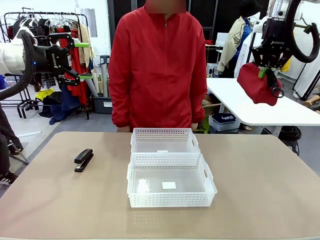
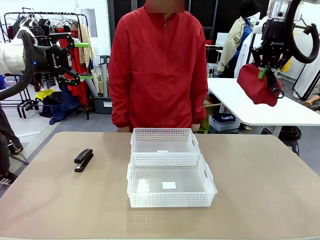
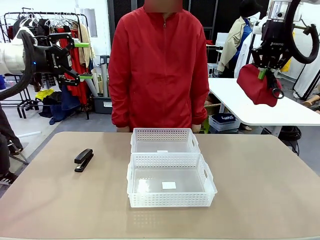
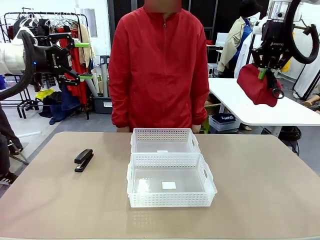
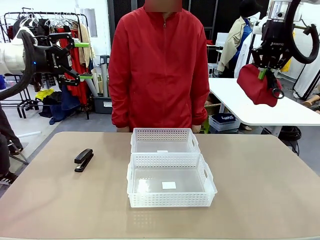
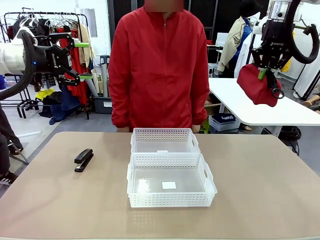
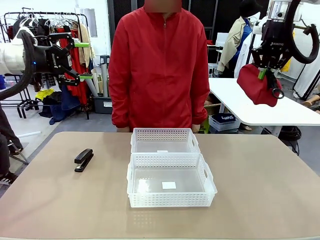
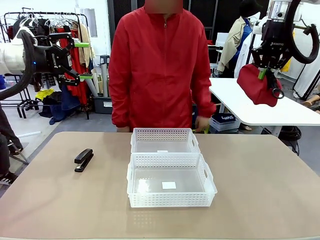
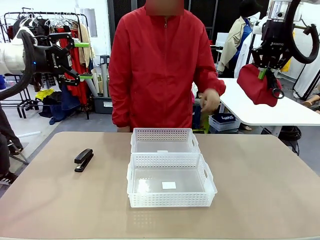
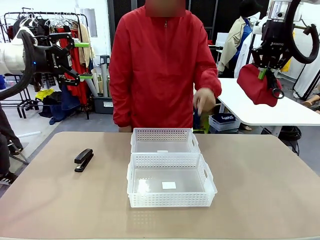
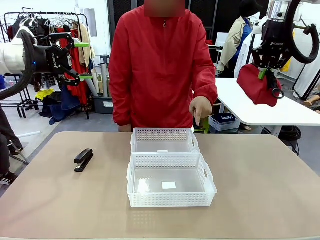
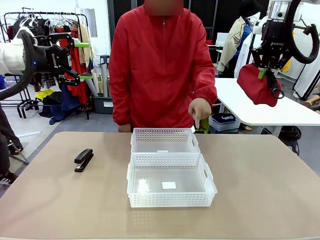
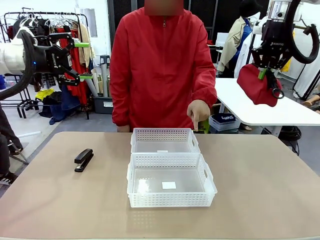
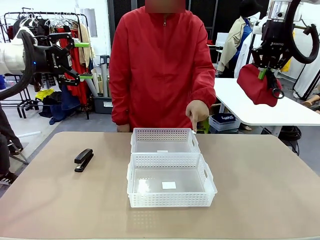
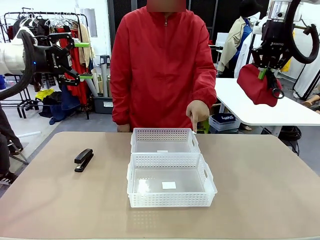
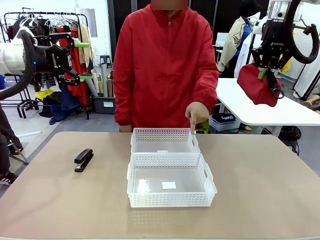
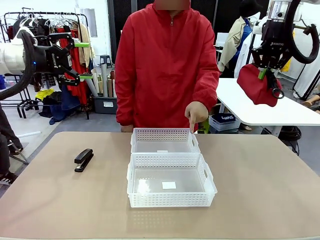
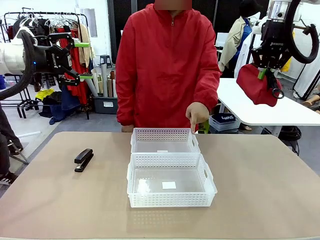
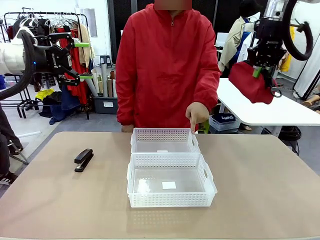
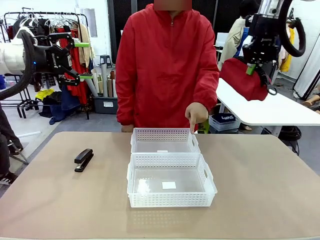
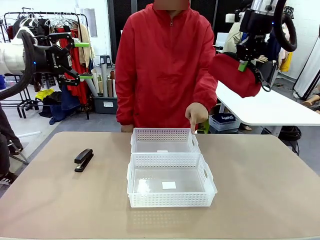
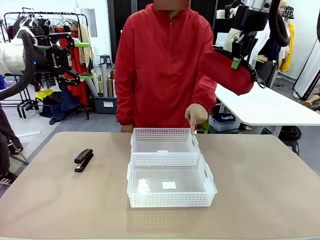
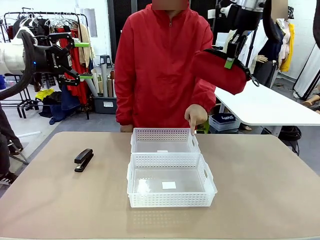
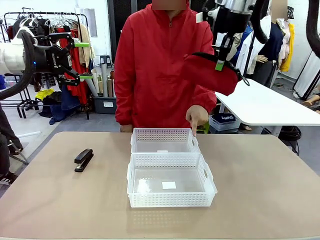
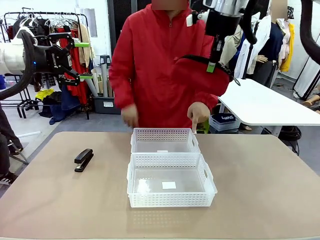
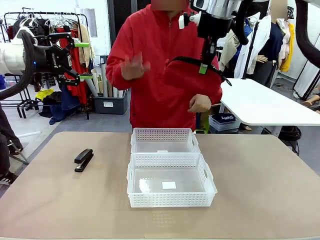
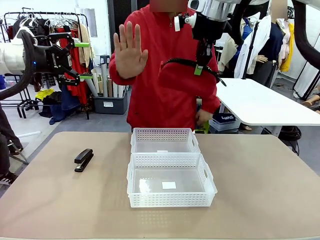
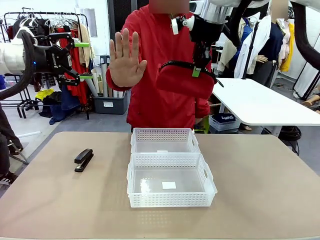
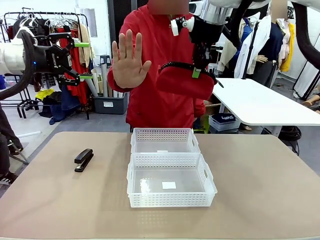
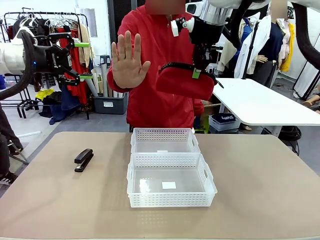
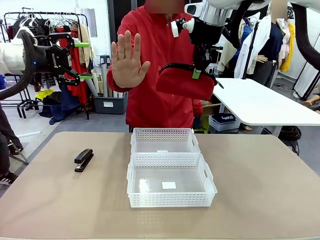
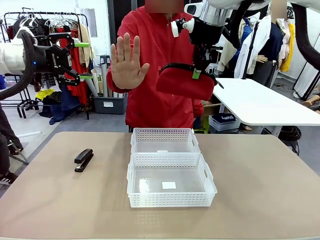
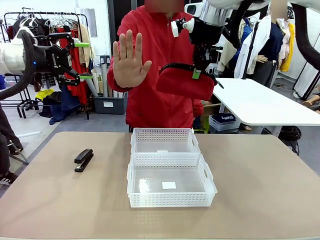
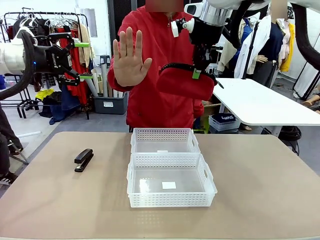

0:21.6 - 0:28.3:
Task: Distribute items into two baskets.
Robot: Move the picked Pencil pouch towards the Organizing basket indicated by the person, stopping as directed.
Person: Sends a stop gesture before the robot places the pencil case into the basket.

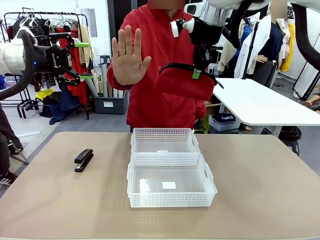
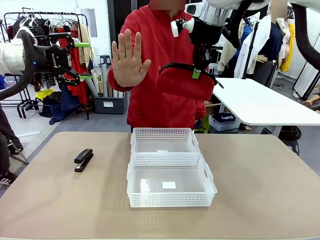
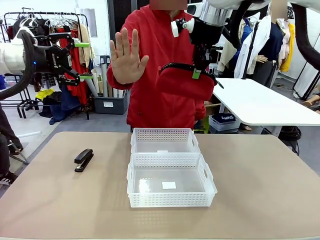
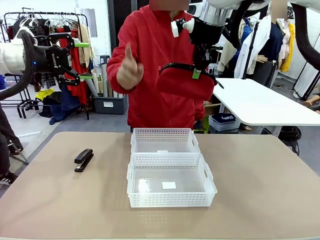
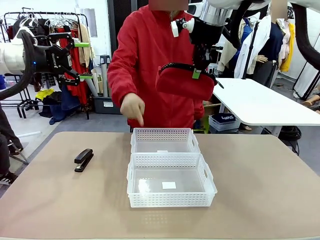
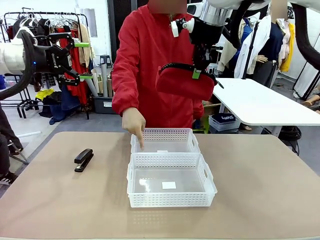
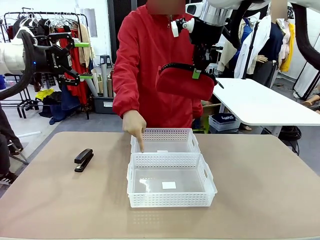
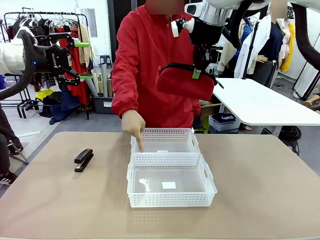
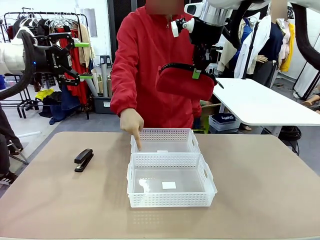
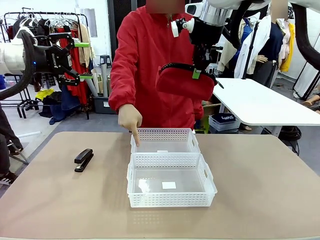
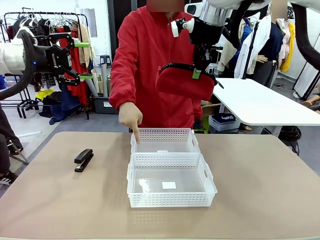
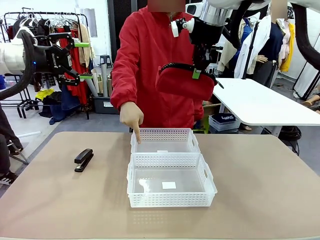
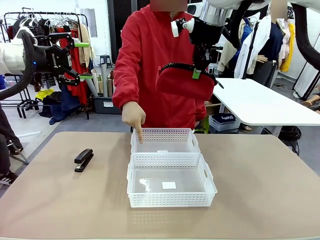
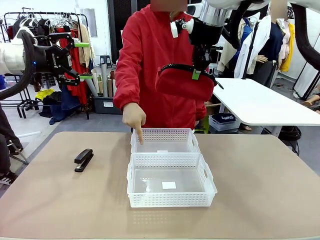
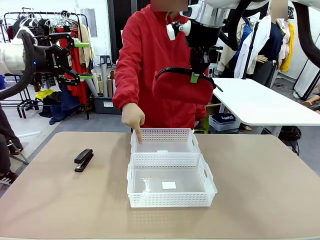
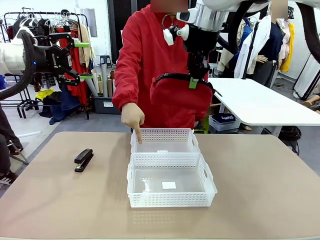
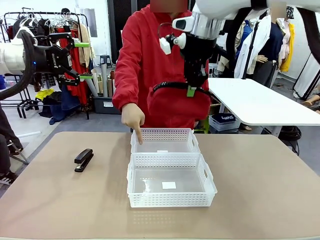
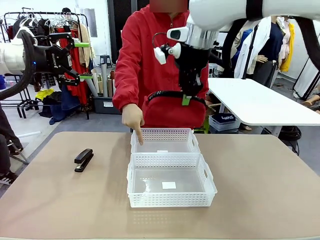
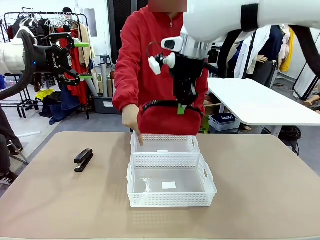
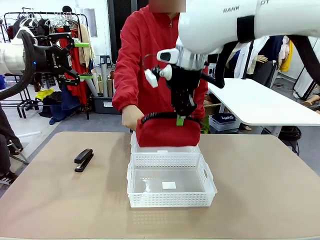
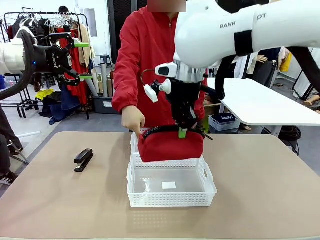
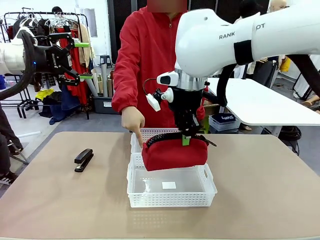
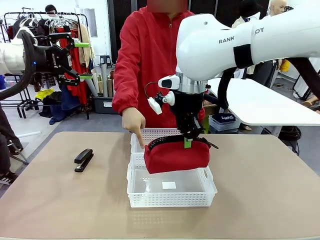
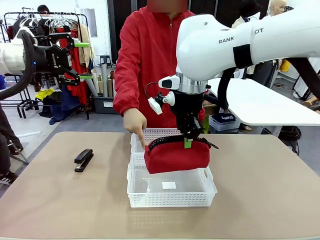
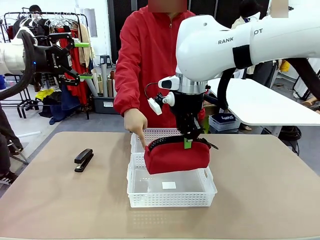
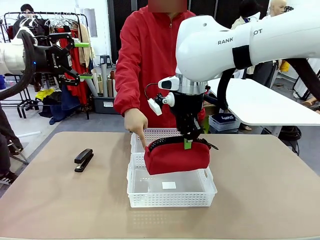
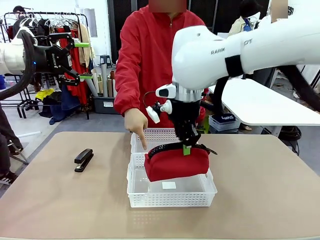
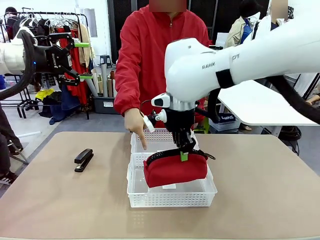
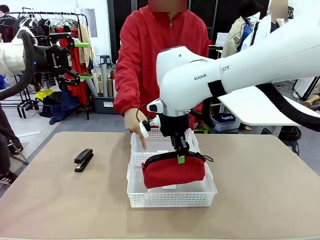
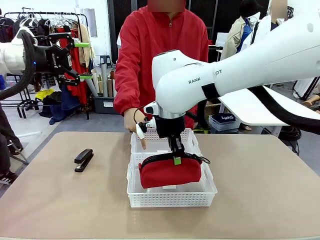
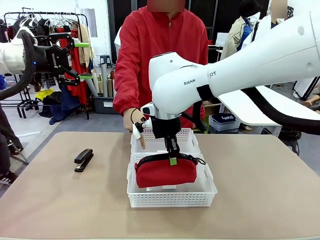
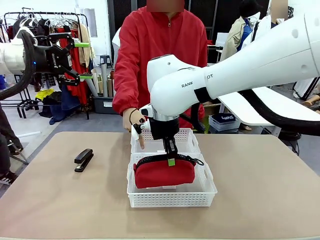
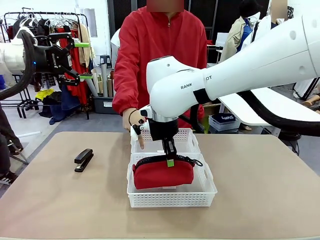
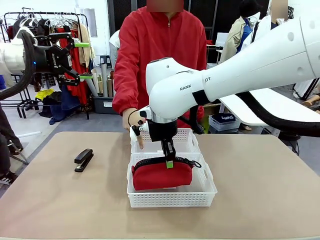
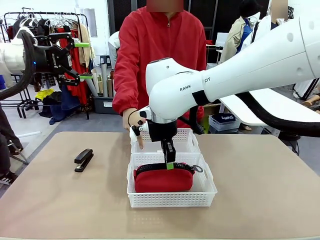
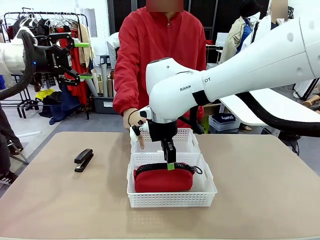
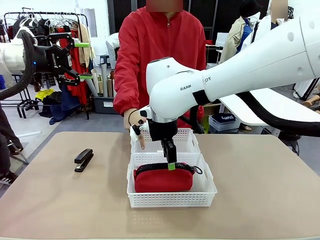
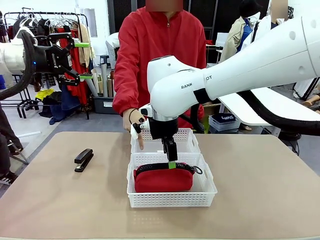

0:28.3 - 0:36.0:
Robot: Place the picked Pencil pouch into the Organizing basket as instructed by the person.
Person: Instructs the robot to place the pencil case into the opposite basket.
